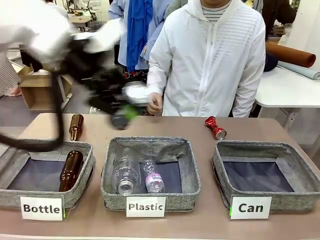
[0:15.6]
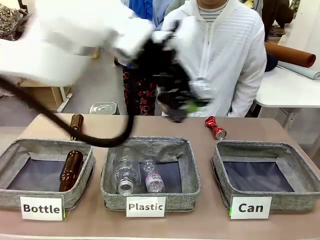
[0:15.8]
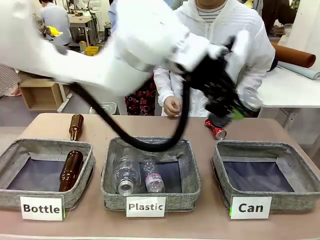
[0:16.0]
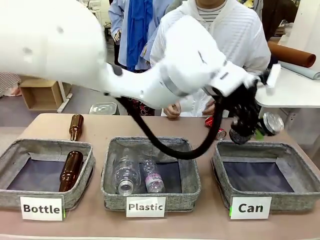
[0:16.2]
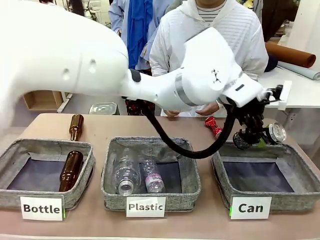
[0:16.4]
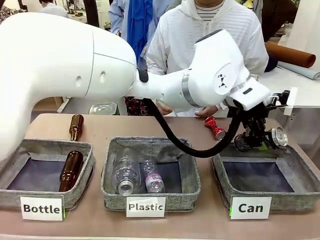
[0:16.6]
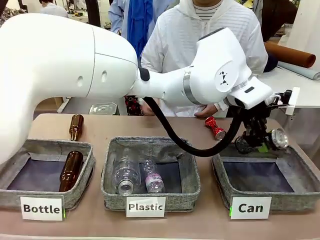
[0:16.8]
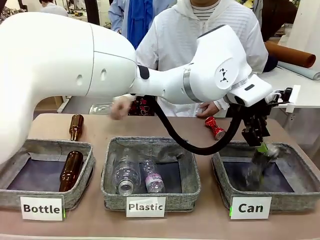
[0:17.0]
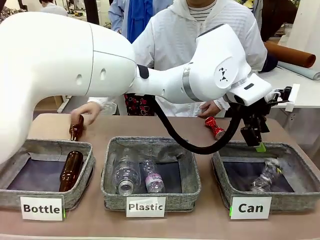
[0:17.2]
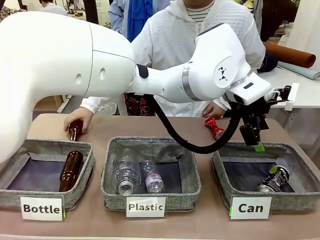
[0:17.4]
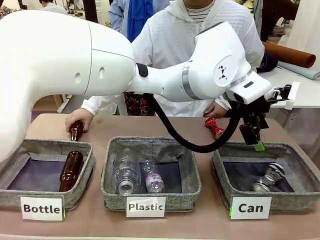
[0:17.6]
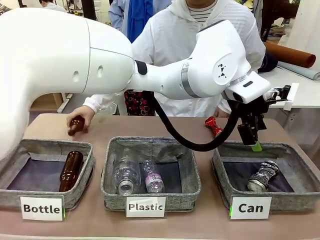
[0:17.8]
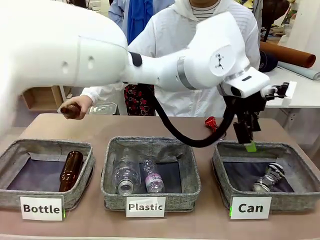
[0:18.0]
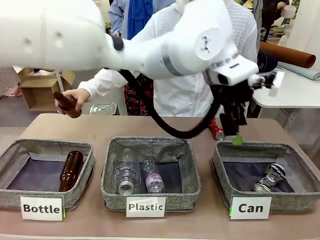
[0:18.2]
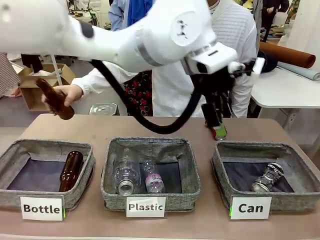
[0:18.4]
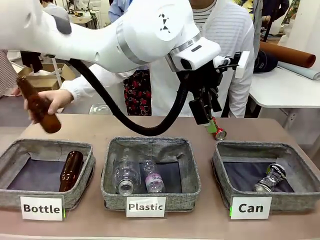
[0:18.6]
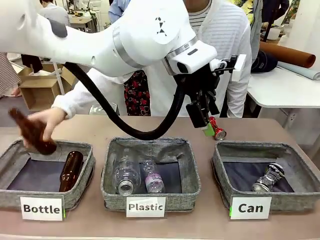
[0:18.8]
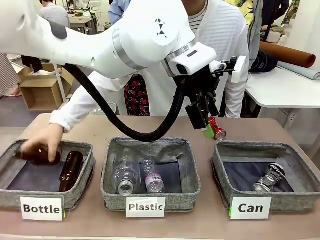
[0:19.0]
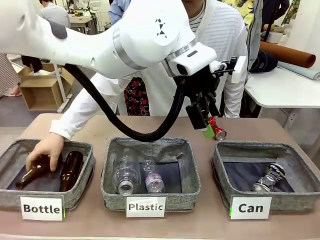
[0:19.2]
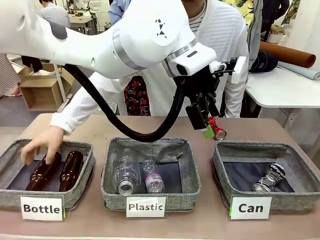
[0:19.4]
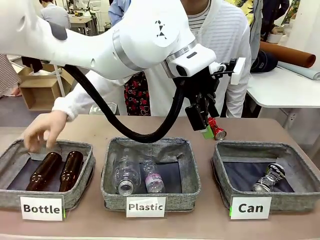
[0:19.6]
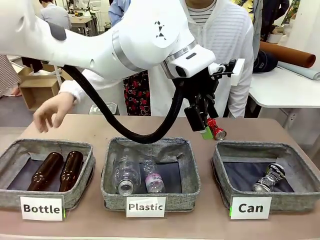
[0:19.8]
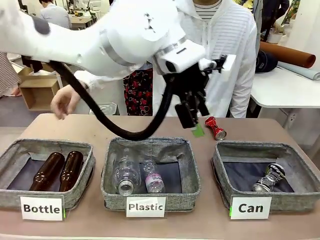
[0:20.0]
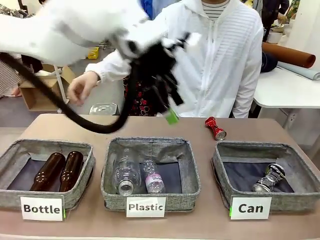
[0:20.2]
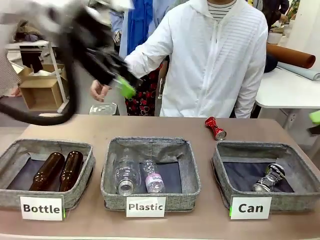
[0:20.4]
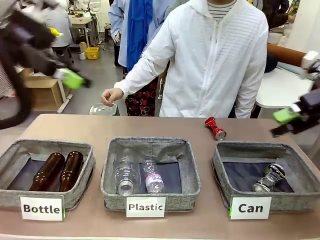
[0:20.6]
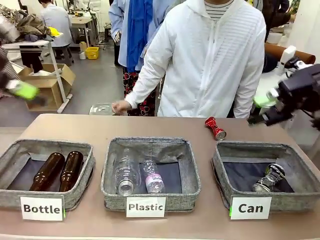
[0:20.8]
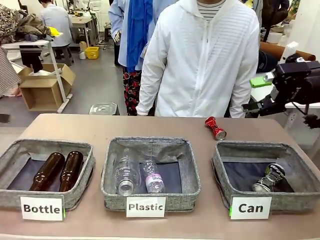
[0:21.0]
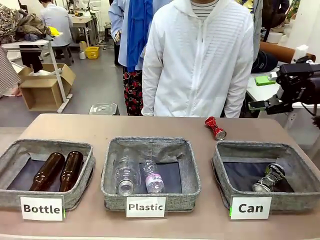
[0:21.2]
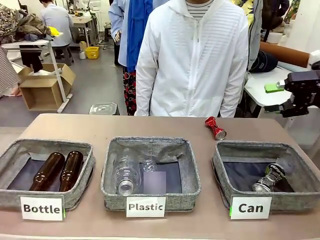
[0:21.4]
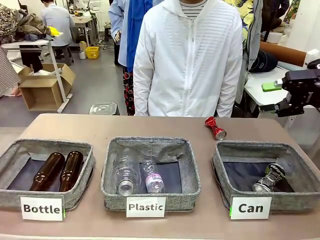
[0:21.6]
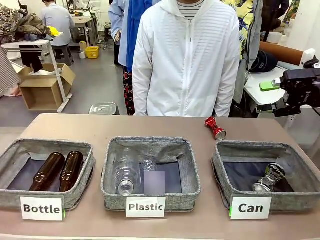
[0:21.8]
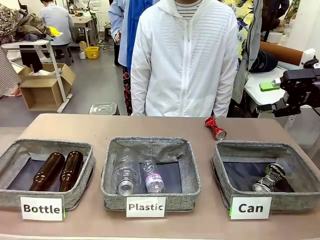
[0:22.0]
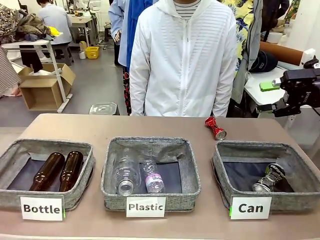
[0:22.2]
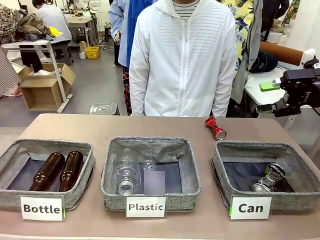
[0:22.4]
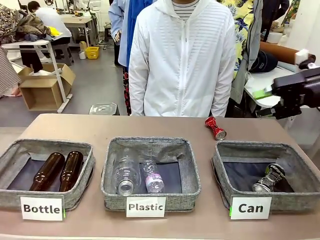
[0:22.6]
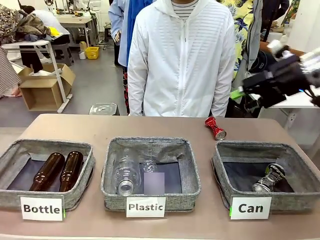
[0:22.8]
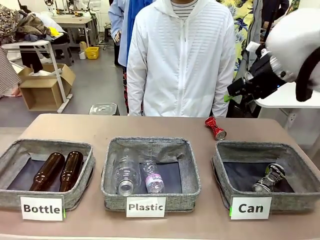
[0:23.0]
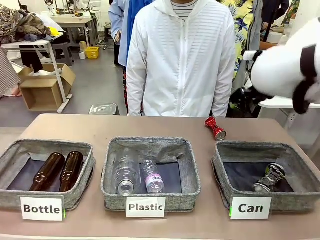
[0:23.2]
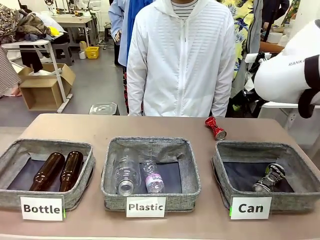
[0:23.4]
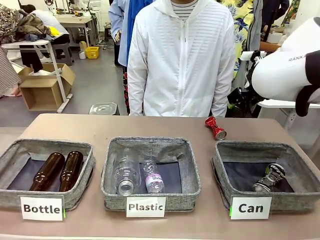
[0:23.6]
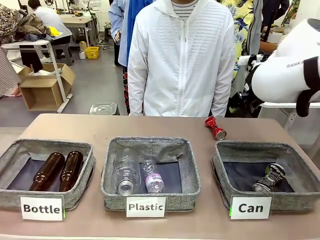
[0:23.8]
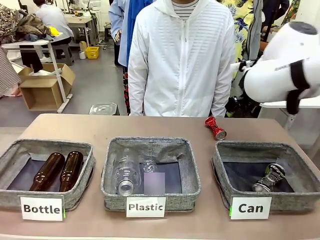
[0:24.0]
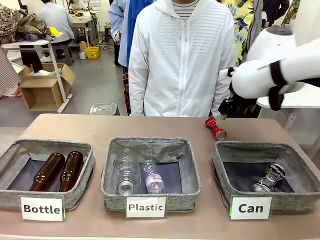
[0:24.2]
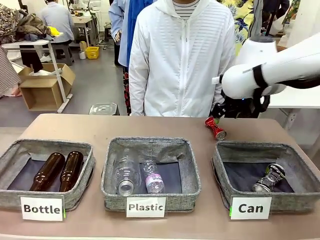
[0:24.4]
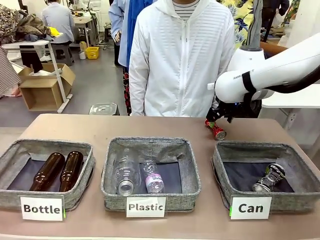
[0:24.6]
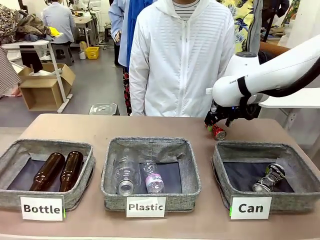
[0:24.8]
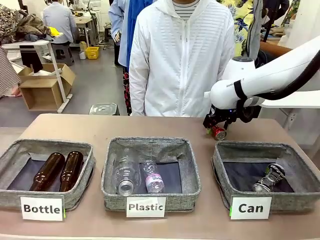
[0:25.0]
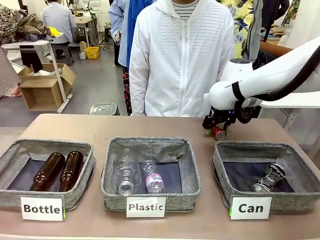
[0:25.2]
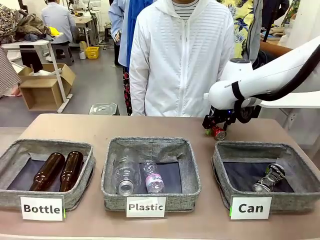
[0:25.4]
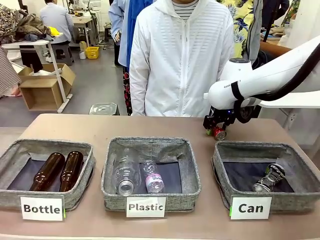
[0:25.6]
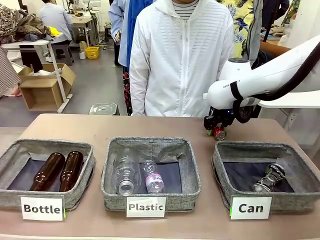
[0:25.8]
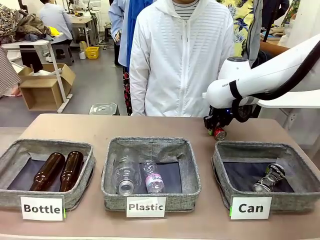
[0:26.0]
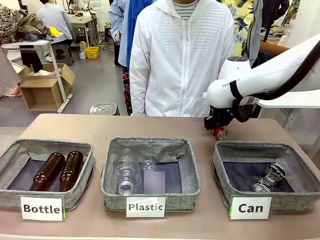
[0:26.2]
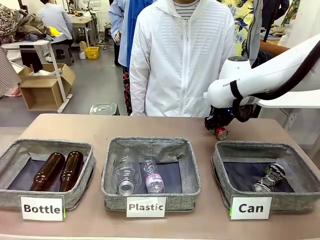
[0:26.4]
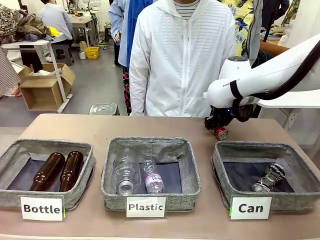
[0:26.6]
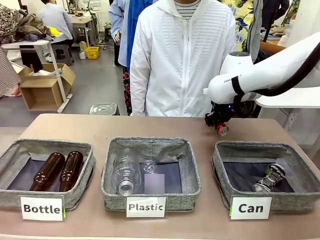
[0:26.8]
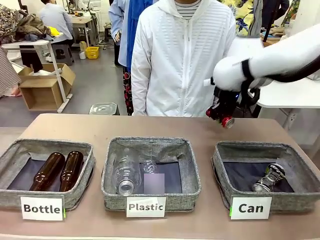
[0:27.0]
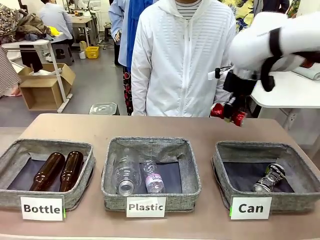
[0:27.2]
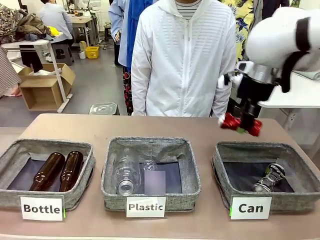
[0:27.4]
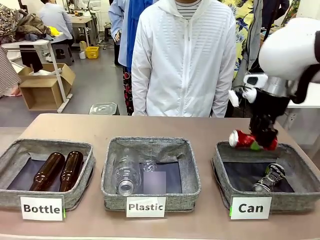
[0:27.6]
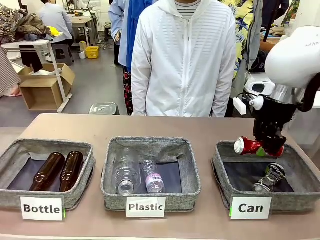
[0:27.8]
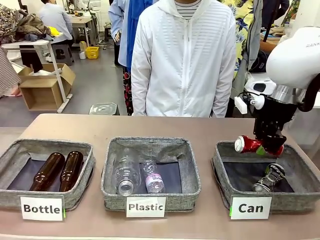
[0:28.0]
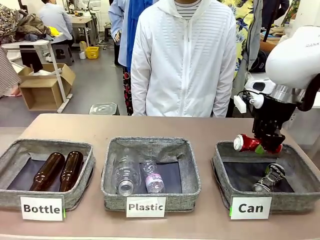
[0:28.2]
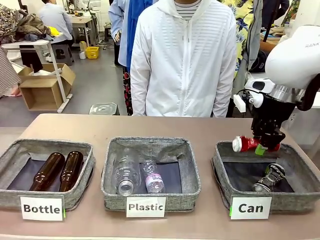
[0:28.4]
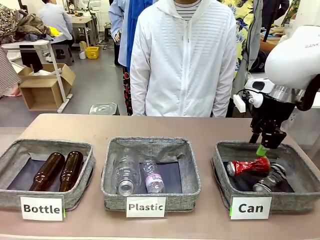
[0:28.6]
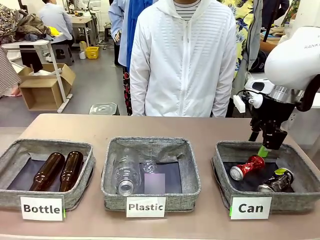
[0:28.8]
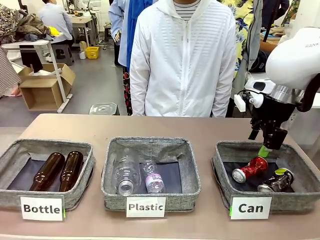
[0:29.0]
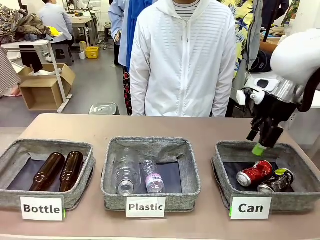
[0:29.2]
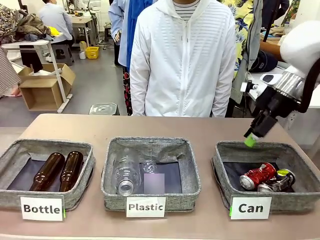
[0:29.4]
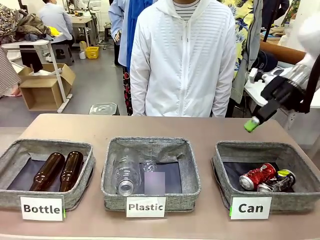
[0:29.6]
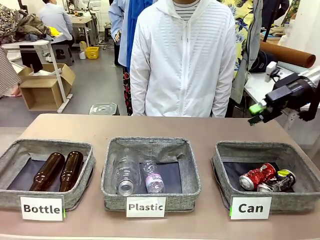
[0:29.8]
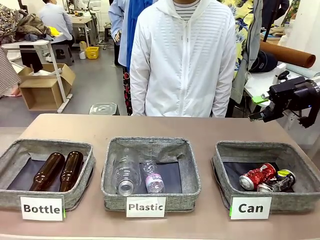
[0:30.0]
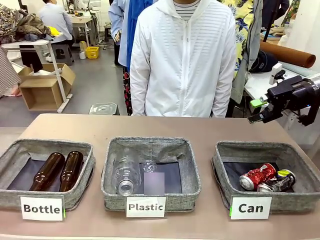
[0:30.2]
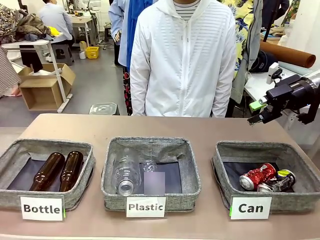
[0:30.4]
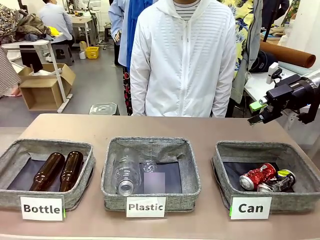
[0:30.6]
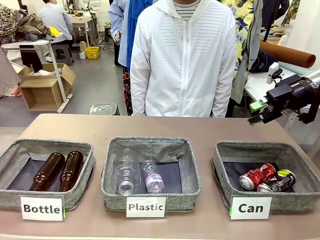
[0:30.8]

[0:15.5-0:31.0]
Task: Sort the can waste into the basket.
Robot: Pick up the can waste from the table and place it in the right Fabric basket.
